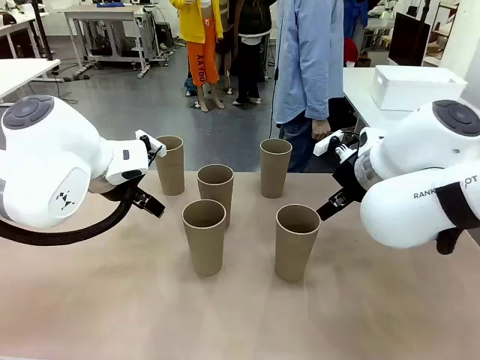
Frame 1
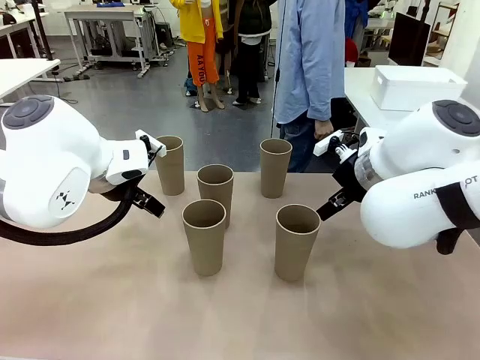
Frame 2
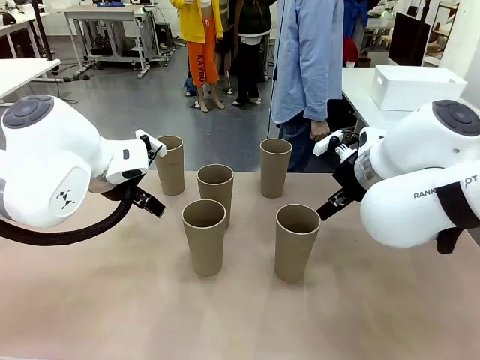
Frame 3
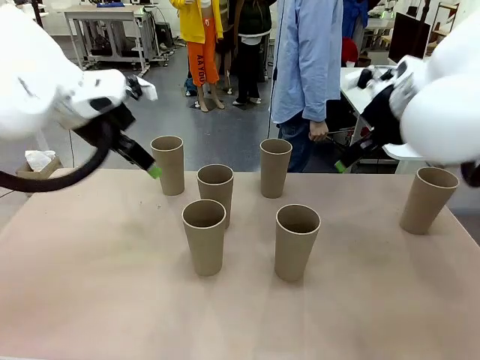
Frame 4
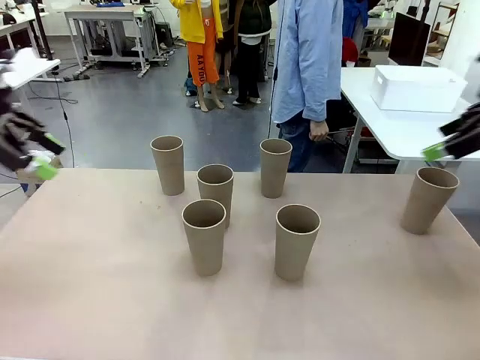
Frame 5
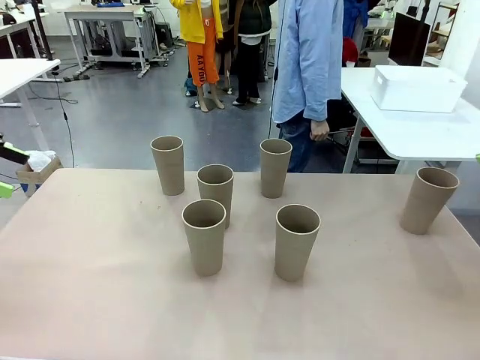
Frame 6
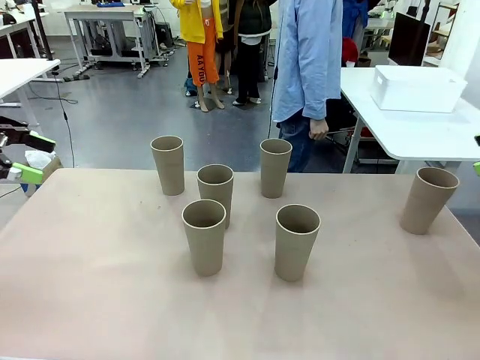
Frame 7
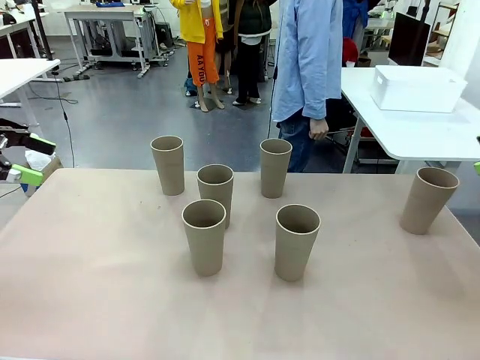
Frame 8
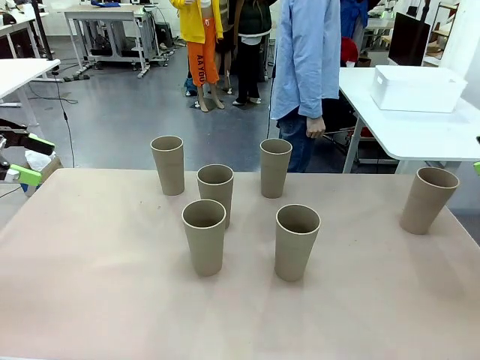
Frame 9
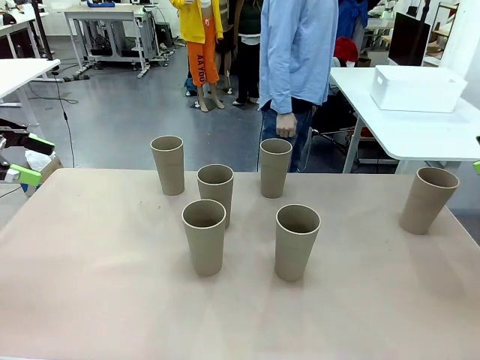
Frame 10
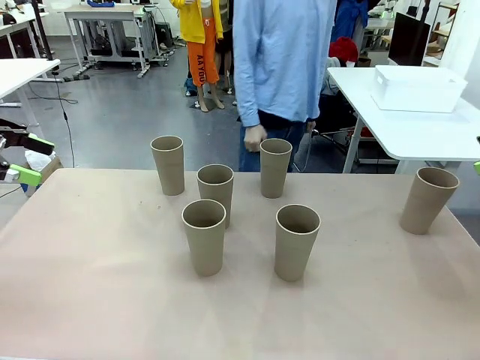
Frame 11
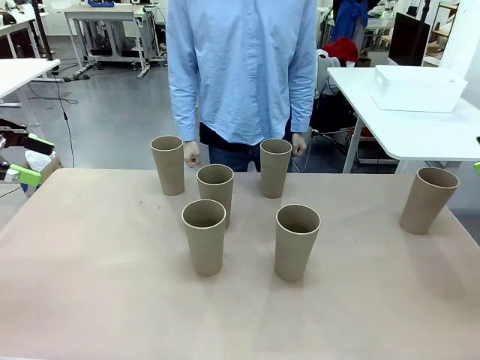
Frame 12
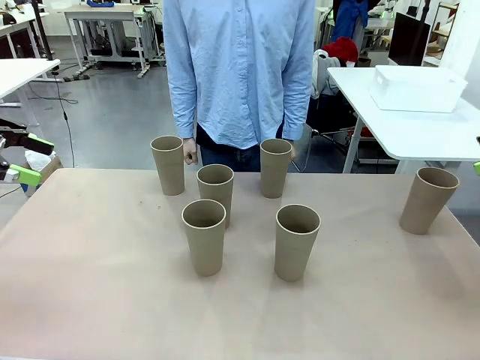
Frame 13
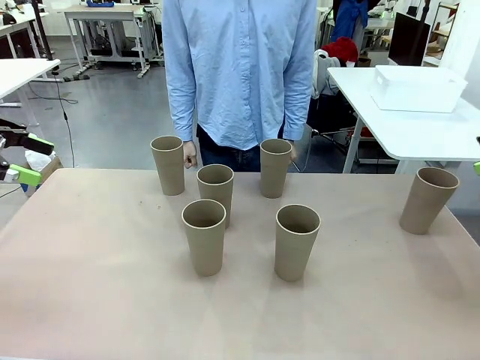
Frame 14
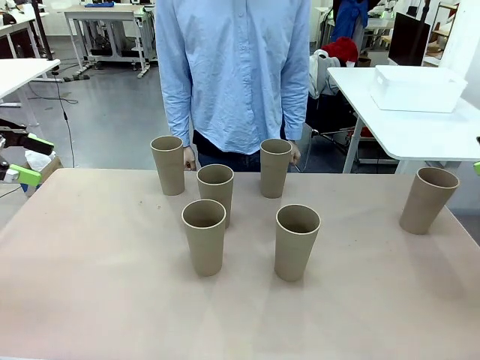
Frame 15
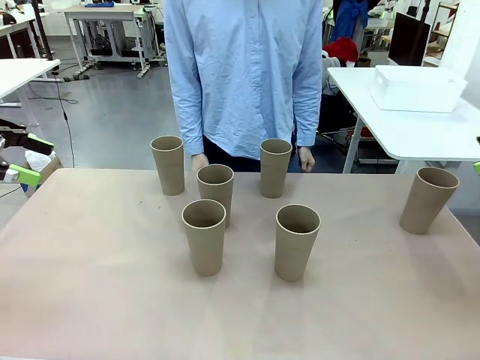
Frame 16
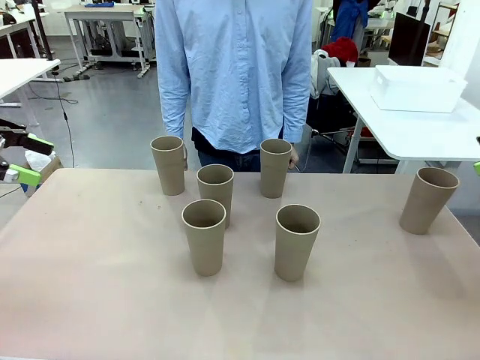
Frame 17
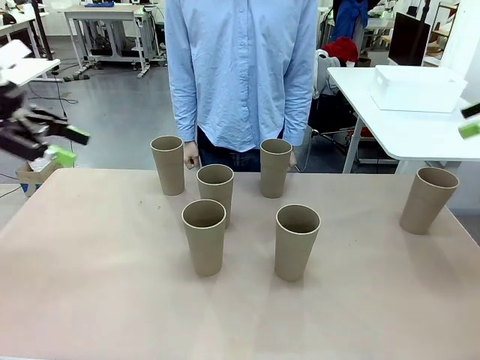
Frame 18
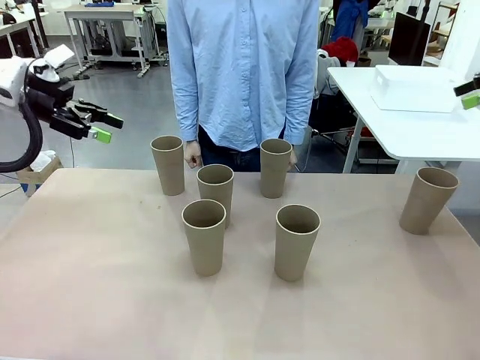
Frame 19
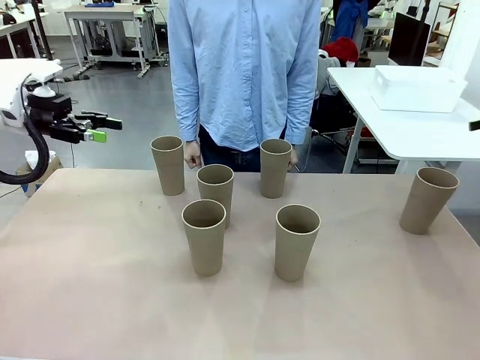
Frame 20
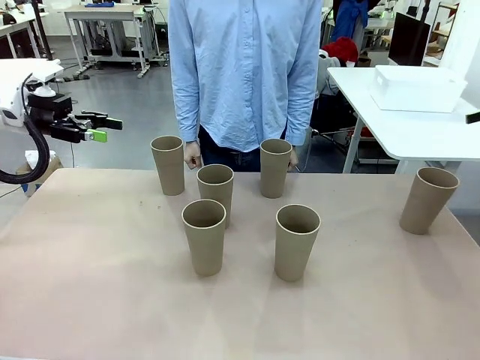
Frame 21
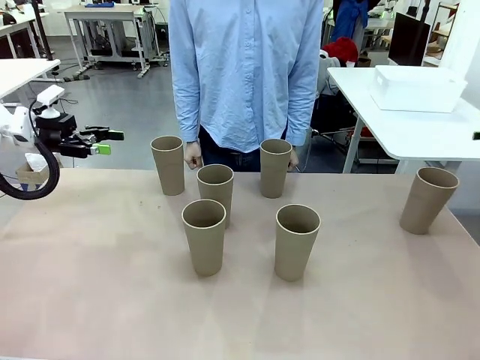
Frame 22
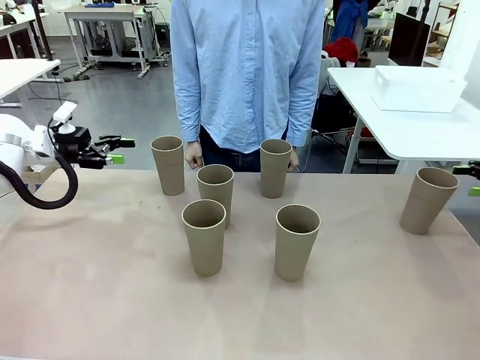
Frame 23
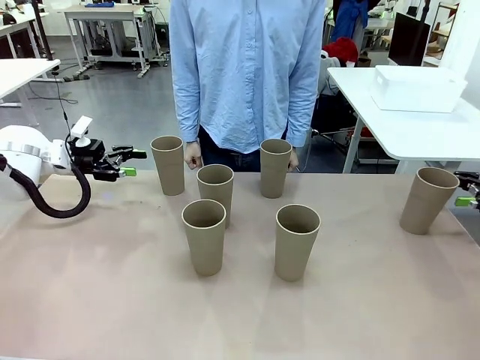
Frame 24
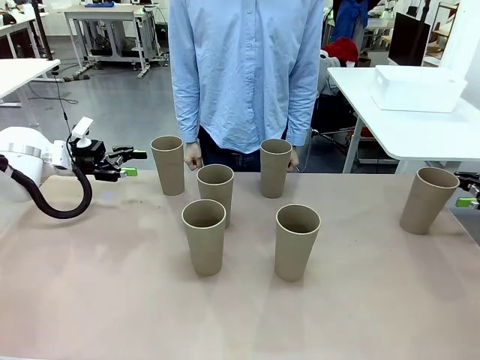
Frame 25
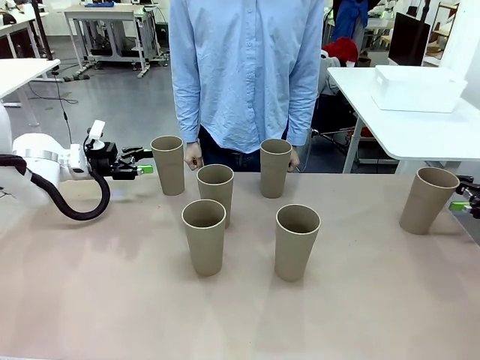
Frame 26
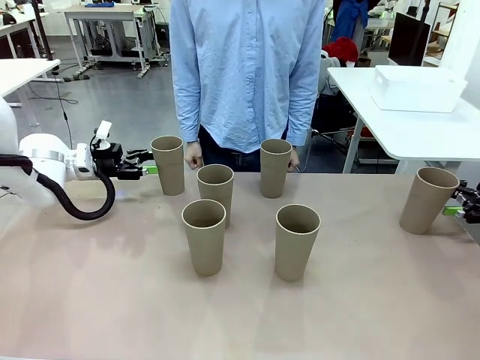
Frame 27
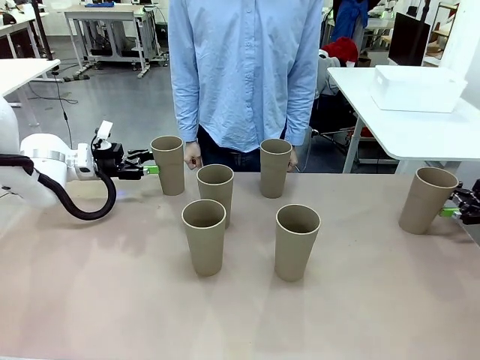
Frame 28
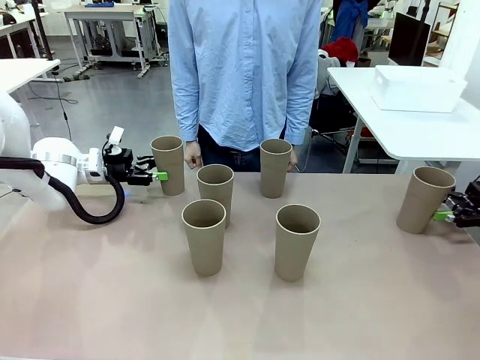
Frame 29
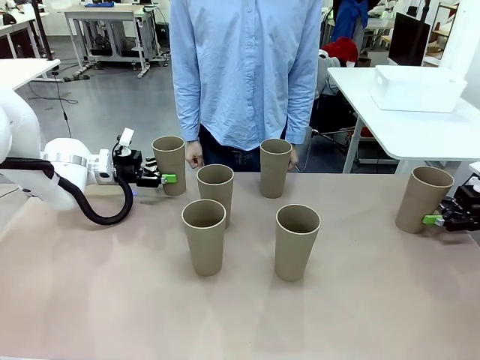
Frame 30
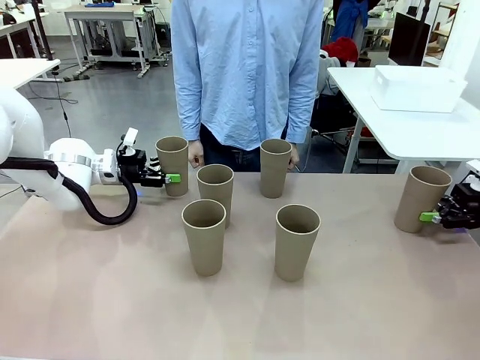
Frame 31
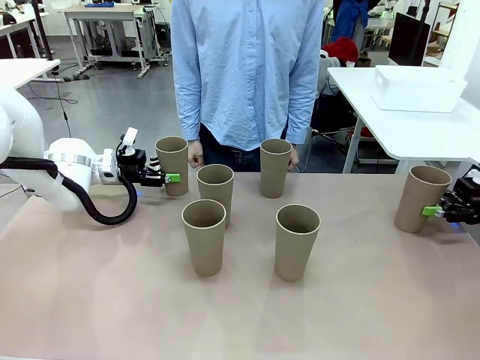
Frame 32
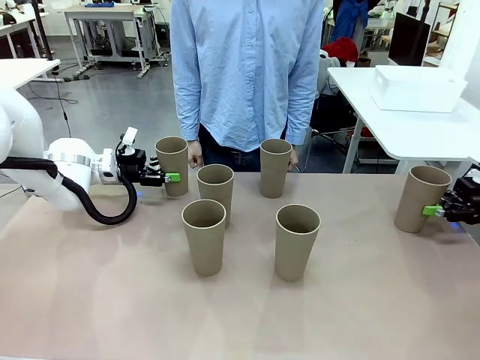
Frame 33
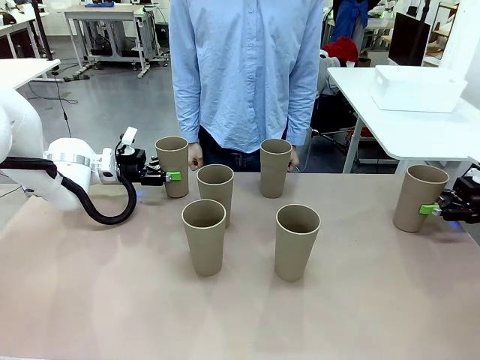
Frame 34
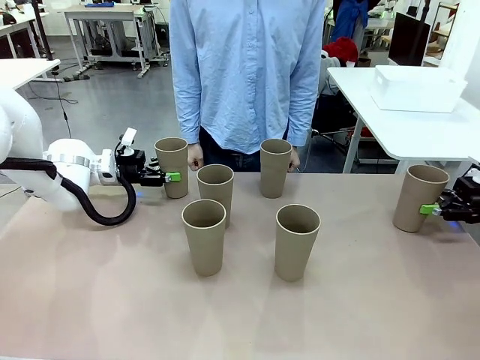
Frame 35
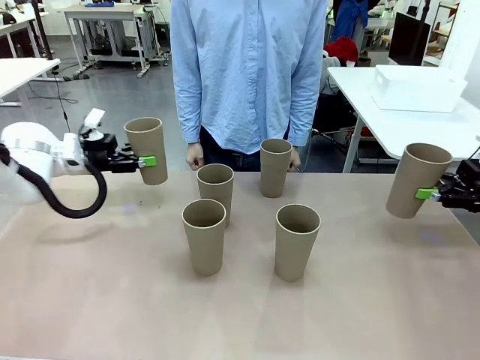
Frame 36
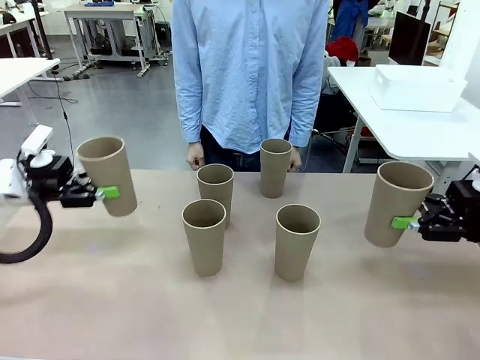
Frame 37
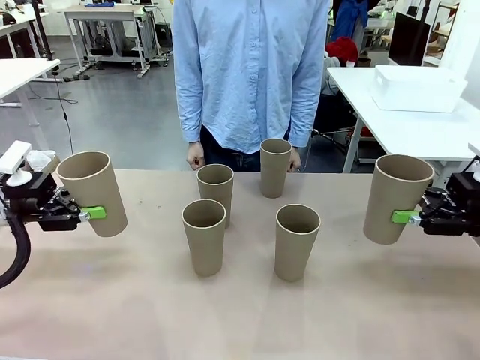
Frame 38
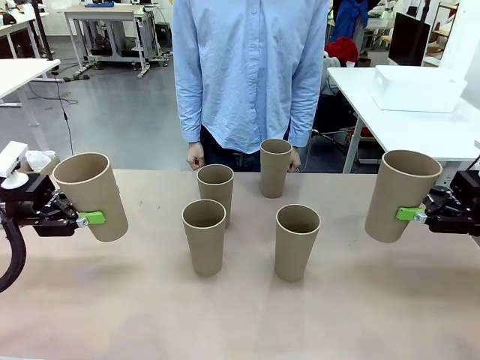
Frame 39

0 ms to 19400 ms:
Task: Stack the cups and store them in the basket.
Robot: Pick up two Reusable plastic cups , one in each hand.
Person: Move from the Human Table to the front of the Robot Table. Stack two of the remaining cups on top of each cup held by the robot.
